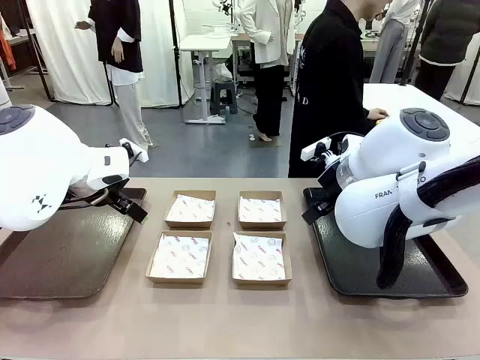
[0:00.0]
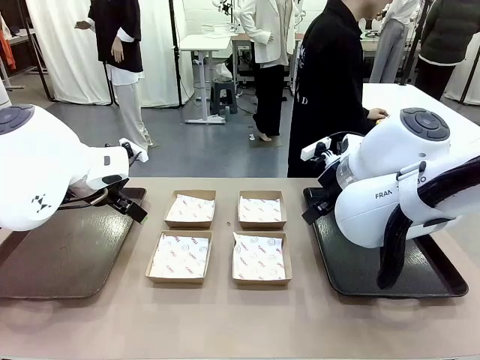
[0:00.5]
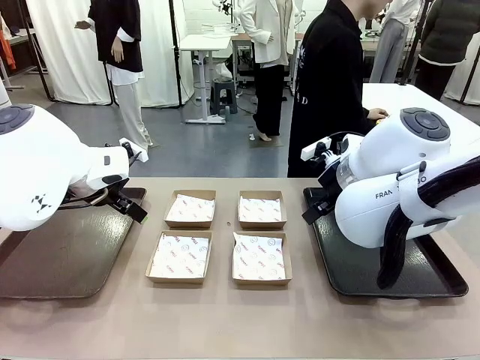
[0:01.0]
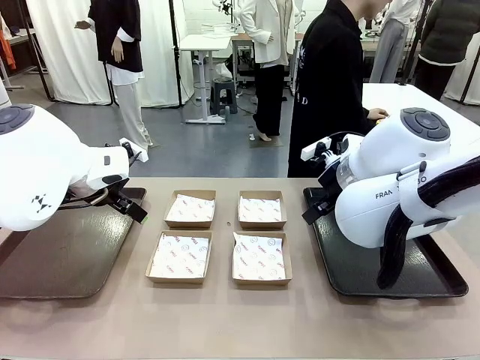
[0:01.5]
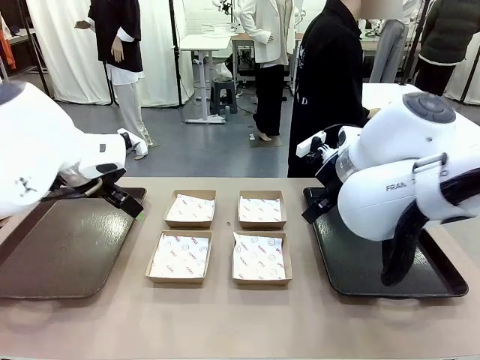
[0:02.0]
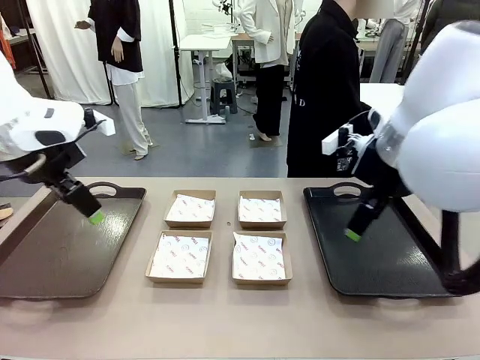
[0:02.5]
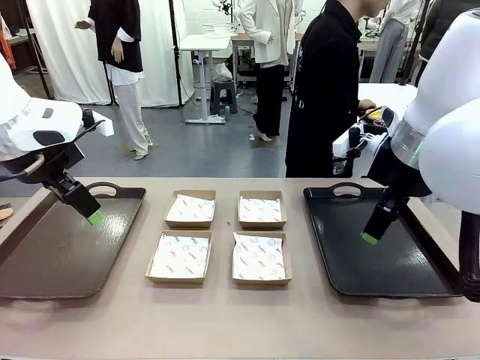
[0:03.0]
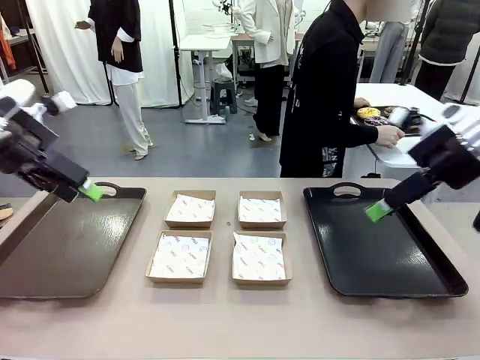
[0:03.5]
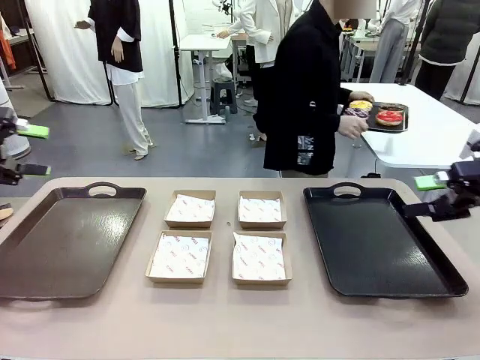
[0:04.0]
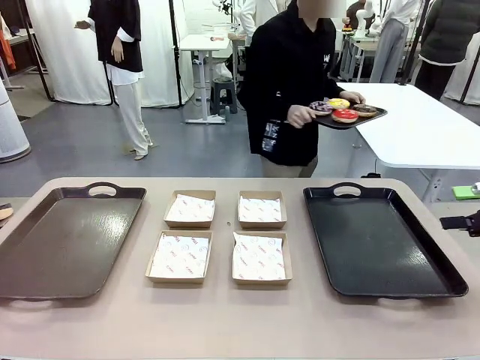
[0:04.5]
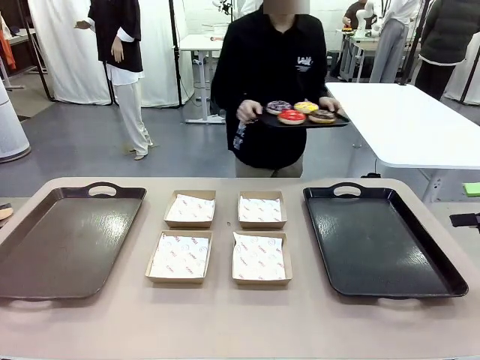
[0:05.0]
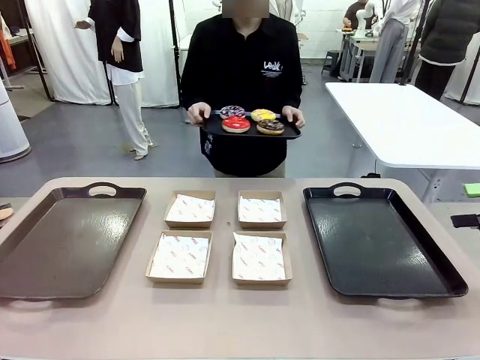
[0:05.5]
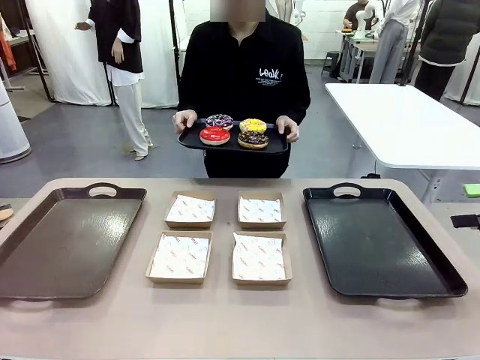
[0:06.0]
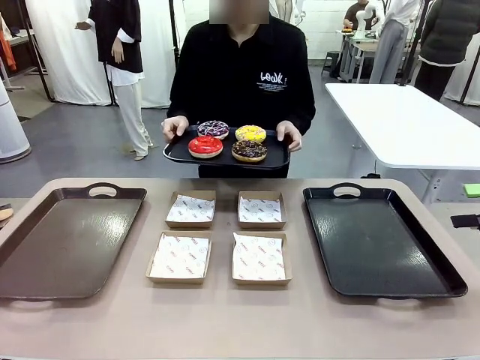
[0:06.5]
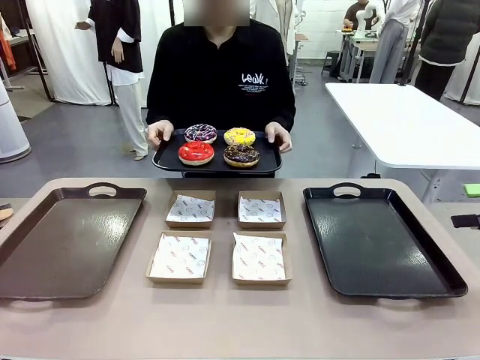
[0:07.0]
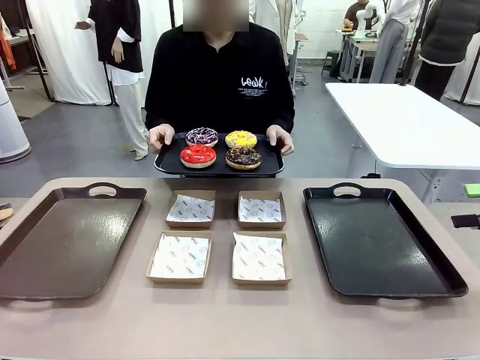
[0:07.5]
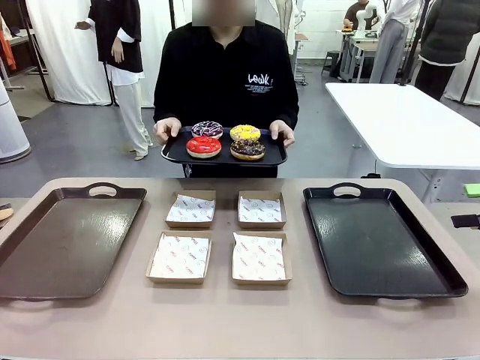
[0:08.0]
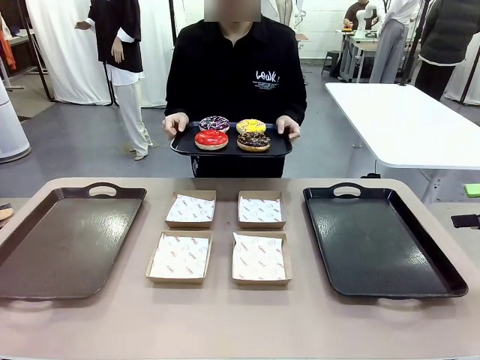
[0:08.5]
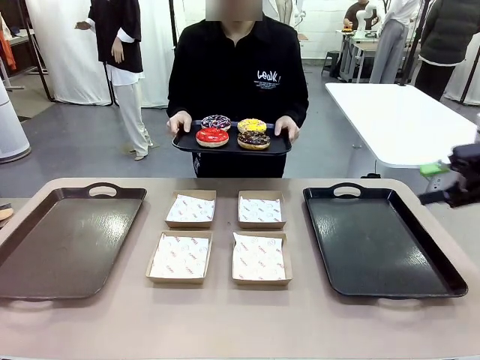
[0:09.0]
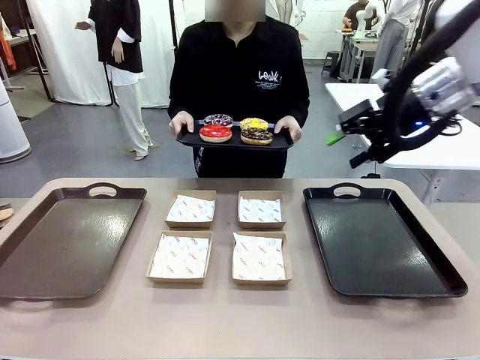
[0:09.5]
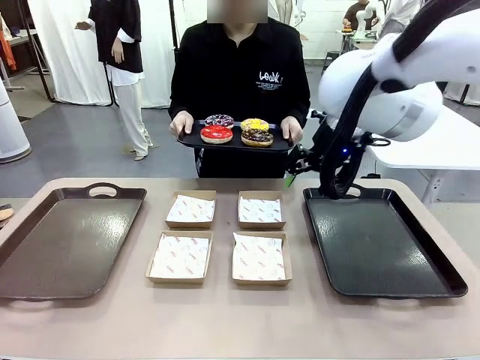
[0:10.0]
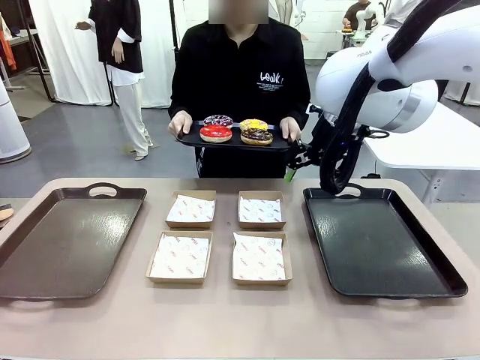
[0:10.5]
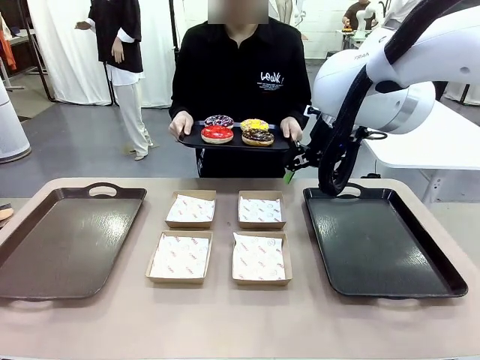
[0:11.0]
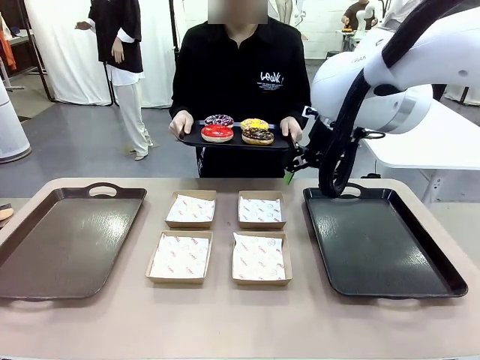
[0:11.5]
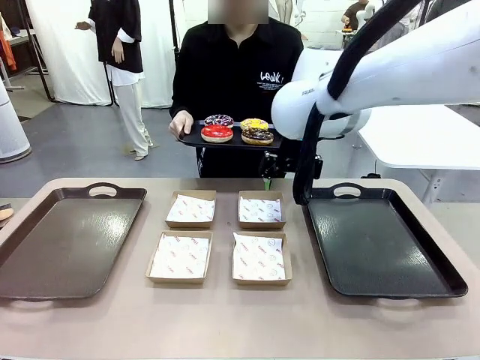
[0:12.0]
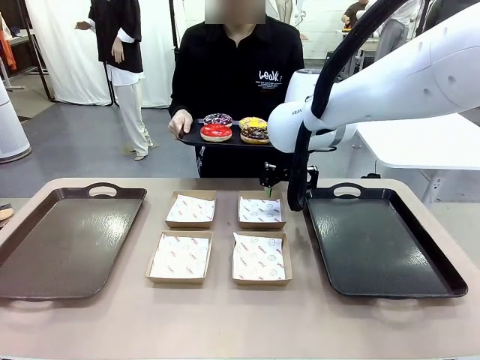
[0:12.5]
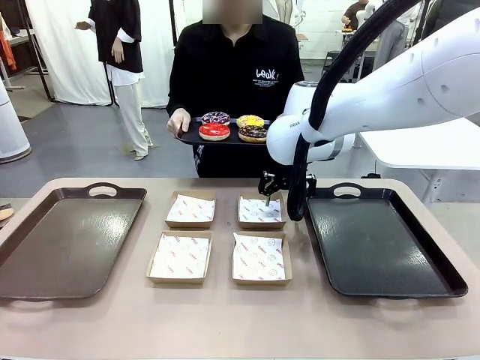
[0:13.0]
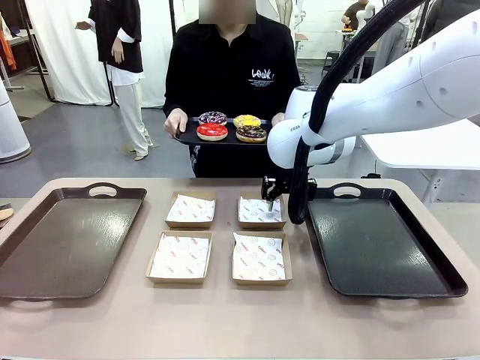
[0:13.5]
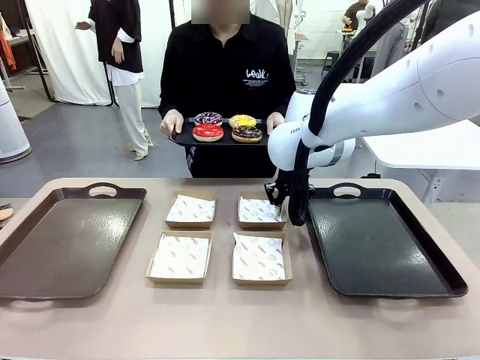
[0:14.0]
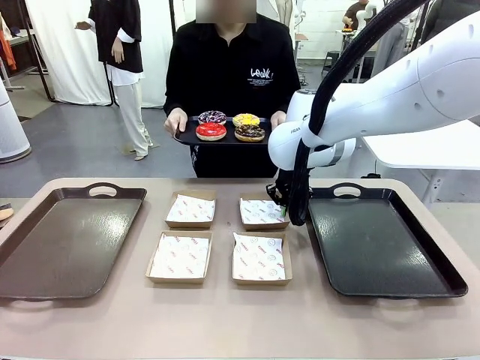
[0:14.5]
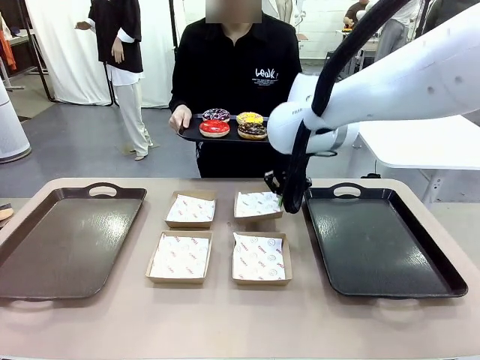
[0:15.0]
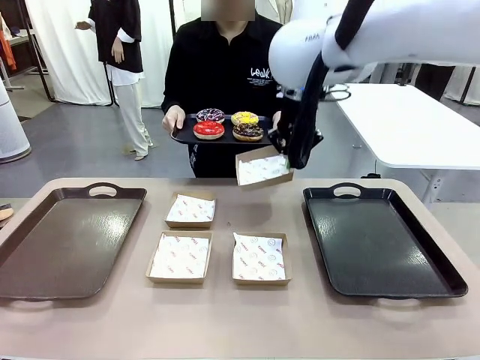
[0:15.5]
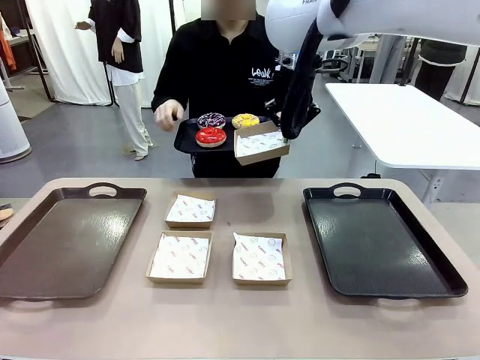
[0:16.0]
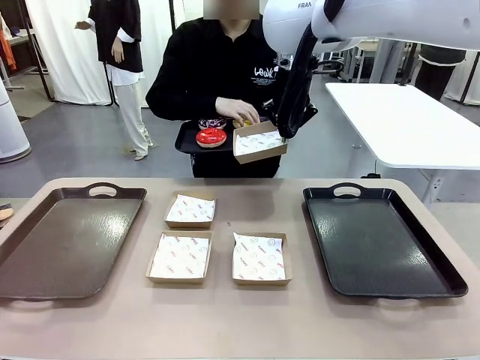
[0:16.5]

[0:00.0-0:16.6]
Task: Individually package the donuts and arrange them on the tray.
Robot: Pick up one Paper togo box.
Person: Stand in front of the robot table holding the tray containing the donuts.
